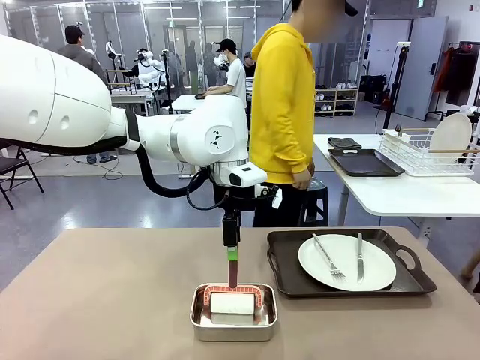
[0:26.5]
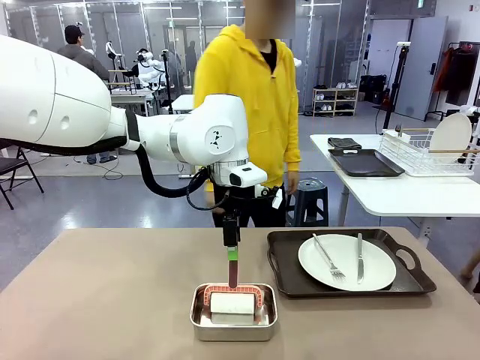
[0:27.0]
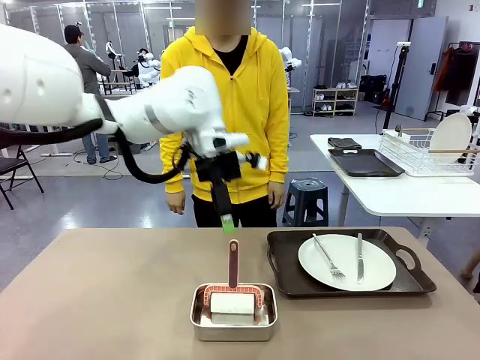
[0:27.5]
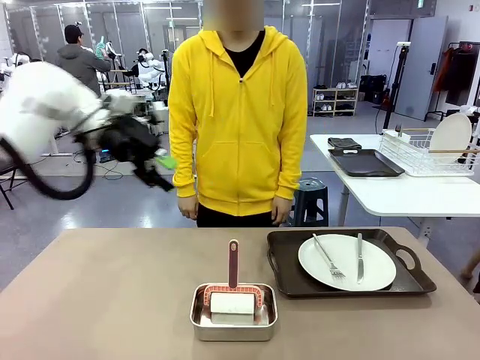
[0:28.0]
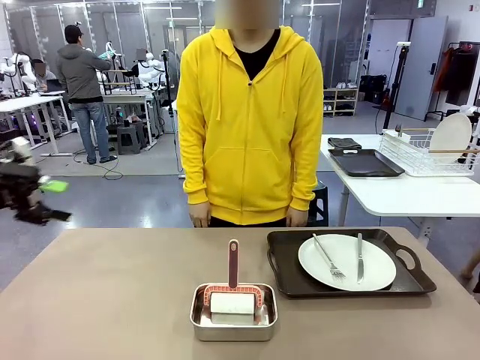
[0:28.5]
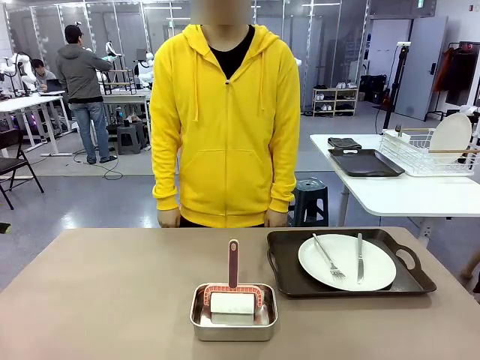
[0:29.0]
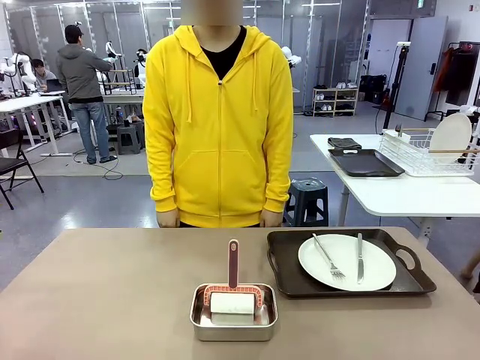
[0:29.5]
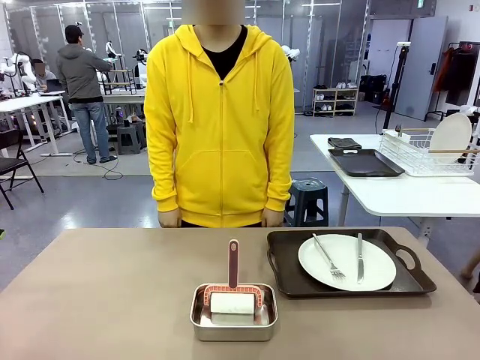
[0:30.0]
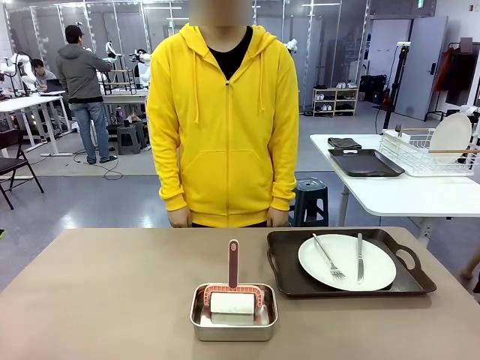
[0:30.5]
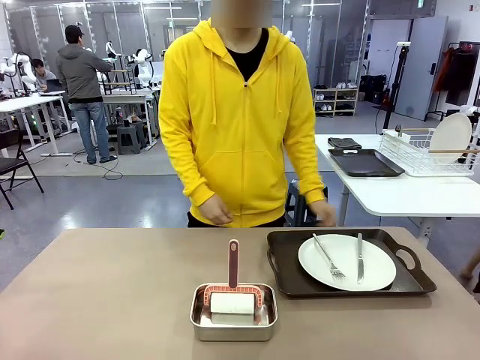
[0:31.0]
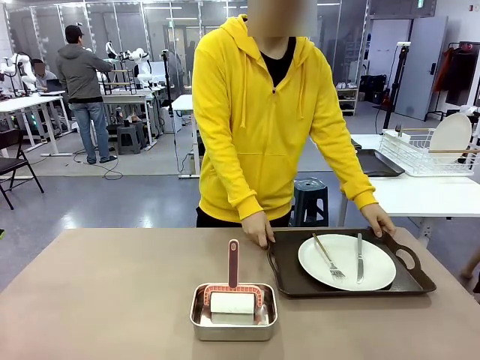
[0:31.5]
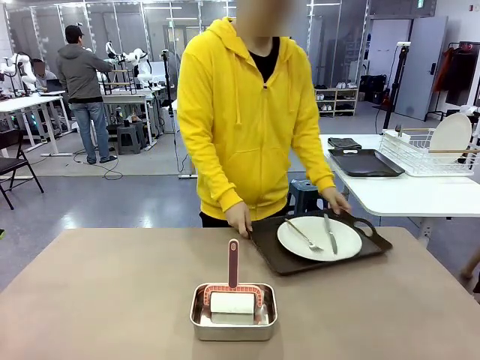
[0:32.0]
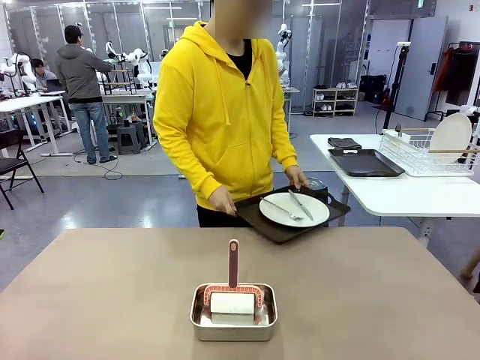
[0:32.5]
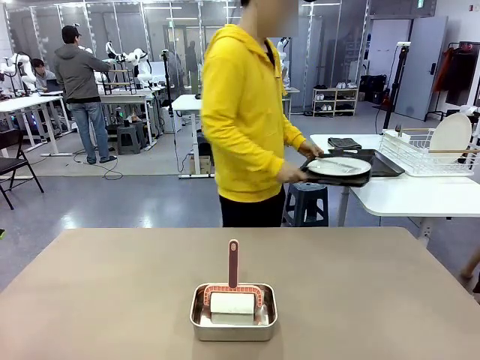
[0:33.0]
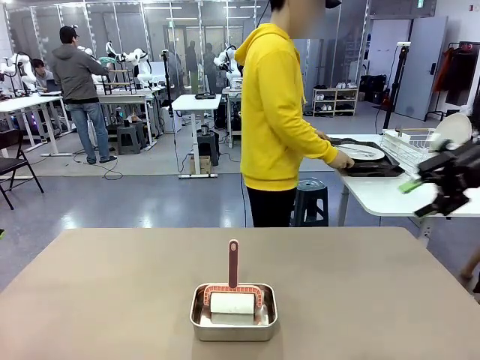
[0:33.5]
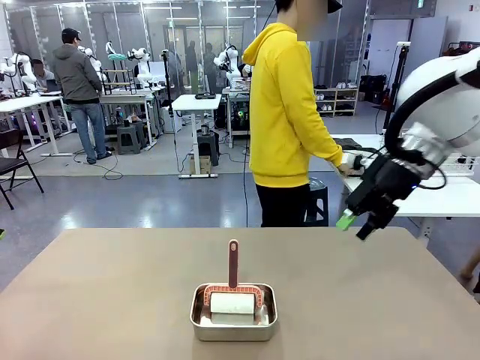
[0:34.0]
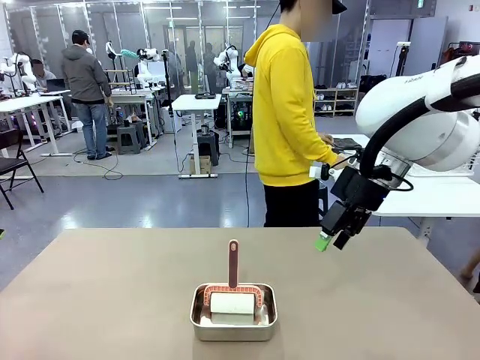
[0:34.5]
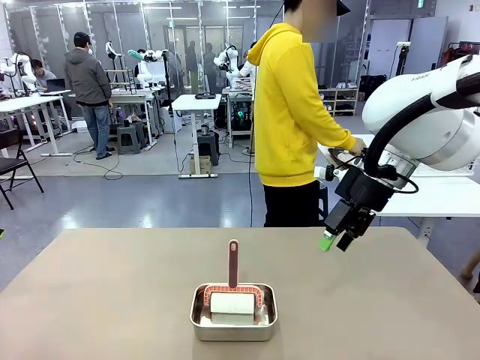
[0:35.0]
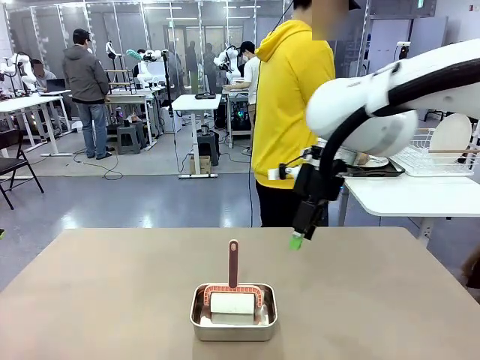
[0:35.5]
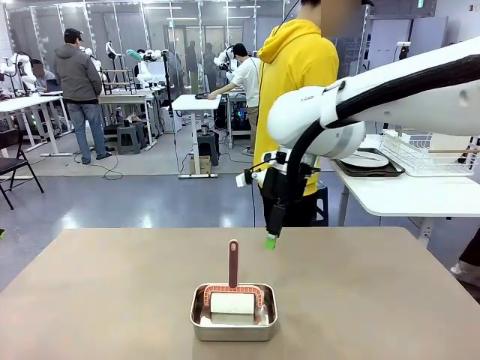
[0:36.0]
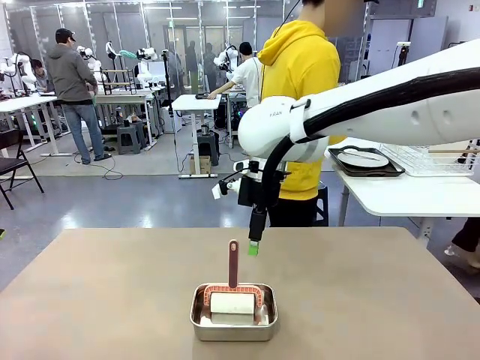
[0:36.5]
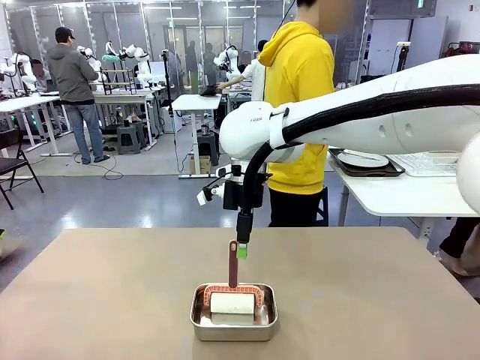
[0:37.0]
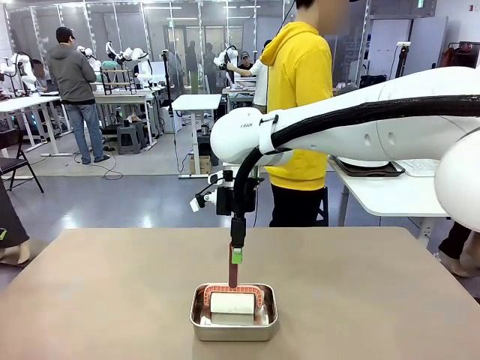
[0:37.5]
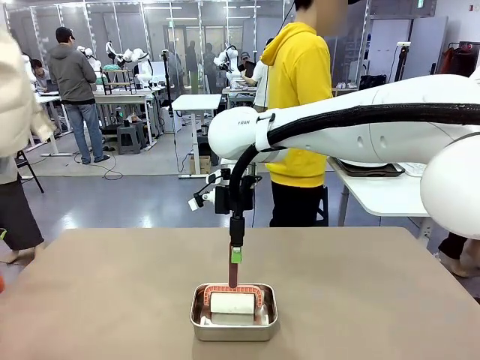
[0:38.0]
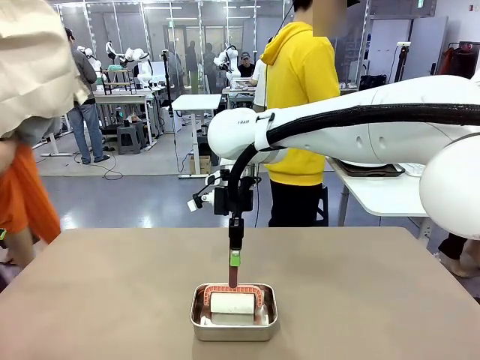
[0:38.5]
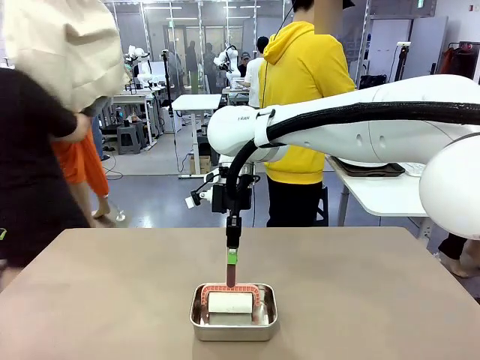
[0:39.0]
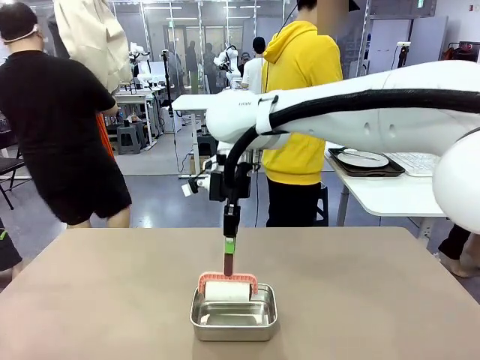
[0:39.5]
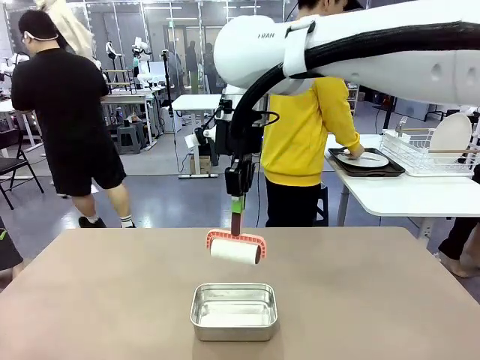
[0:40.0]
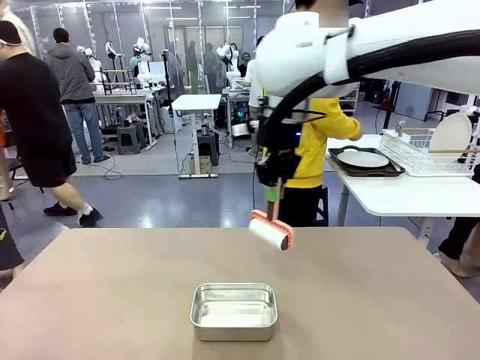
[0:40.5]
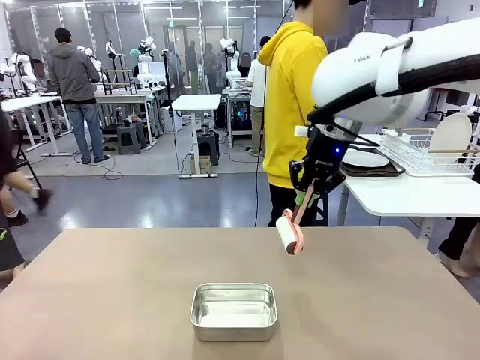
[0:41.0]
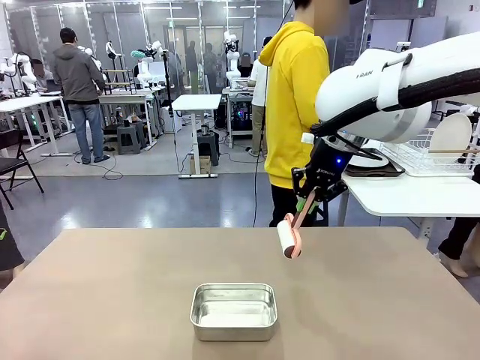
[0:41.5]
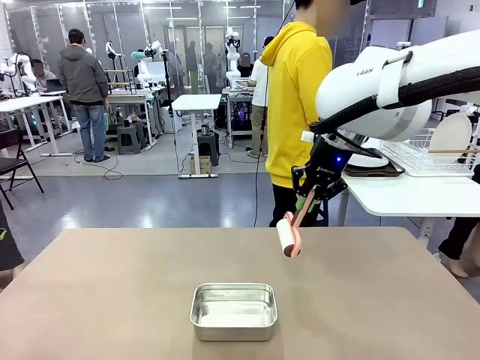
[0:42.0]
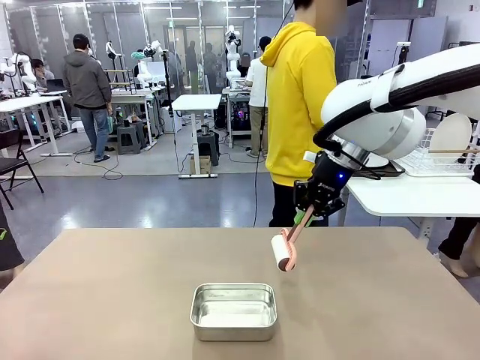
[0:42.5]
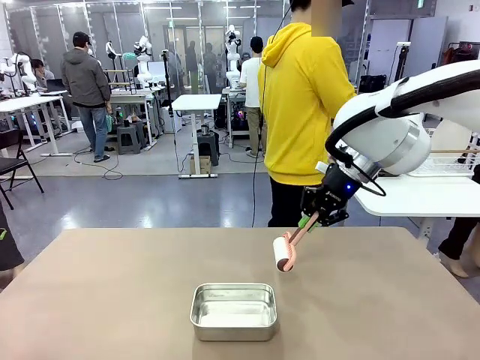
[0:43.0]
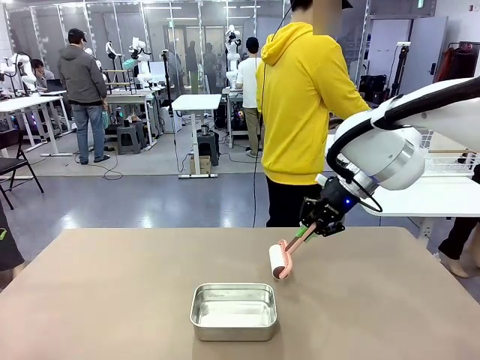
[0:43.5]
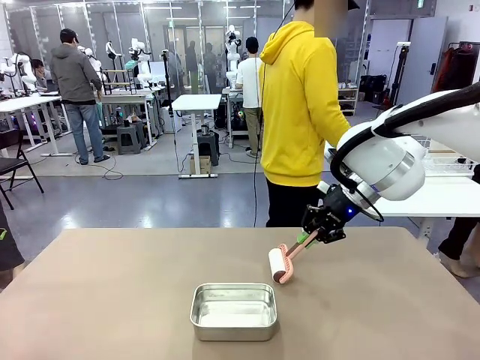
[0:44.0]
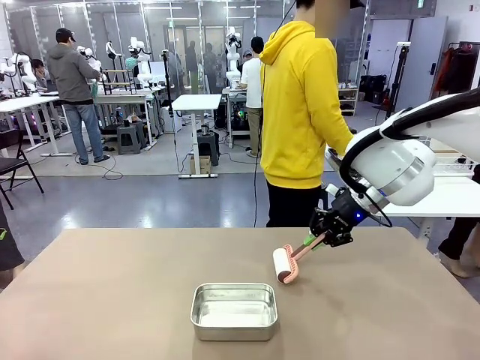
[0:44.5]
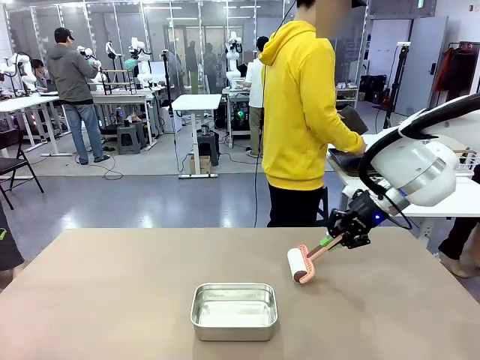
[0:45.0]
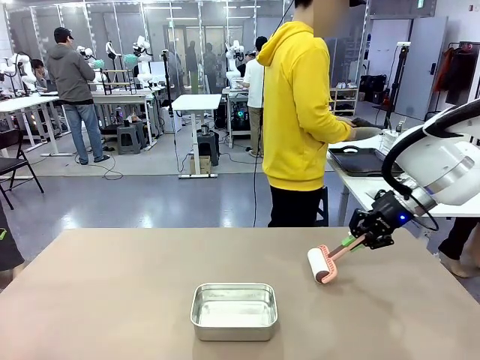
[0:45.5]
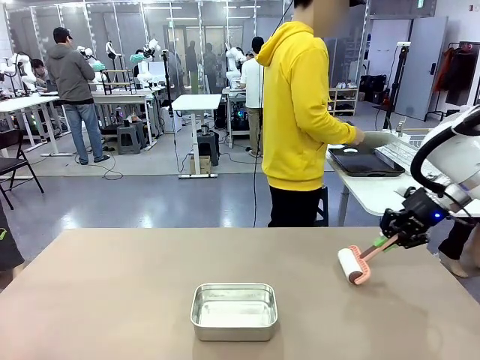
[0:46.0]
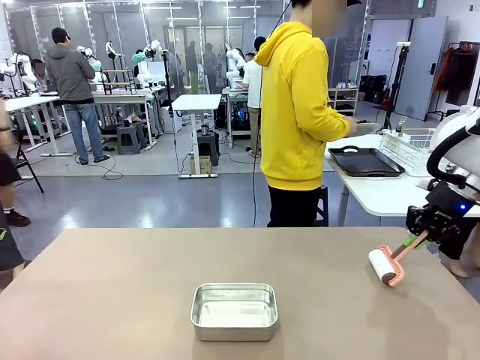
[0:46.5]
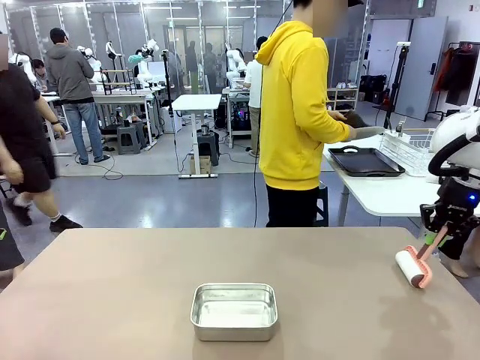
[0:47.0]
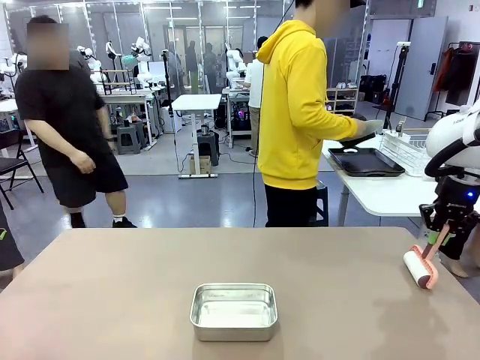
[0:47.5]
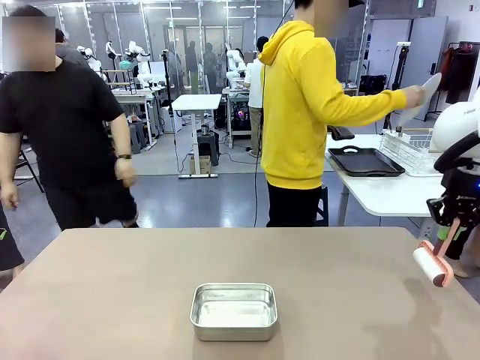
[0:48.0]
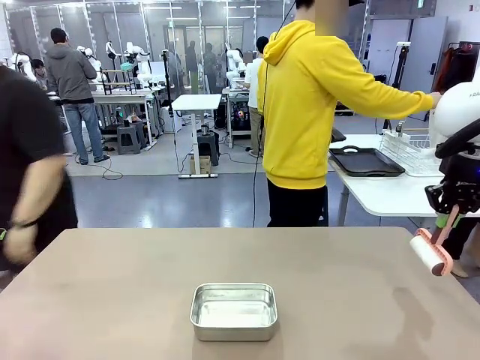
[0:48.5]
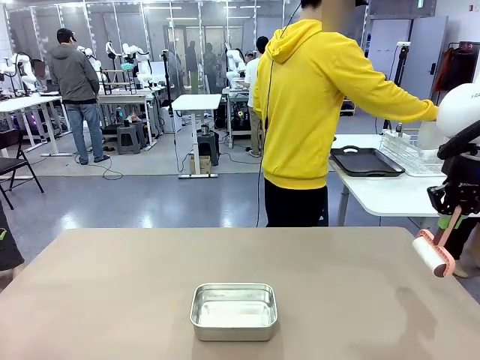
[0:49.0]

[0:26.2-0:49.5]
Robot: When the right (or left) Handle tray is removed, use the right hand (or left hand) to clean the right (or left) side of the table with the Lint Roller.
Person: Pick up the left (or right) Handle tray and place it on the Handle tray. Use the Towel with hook to wipe the Plastic Matte Plate , Fork , and Knife and place into the Dish drying rack.
